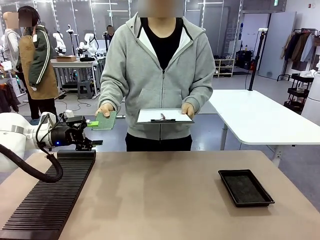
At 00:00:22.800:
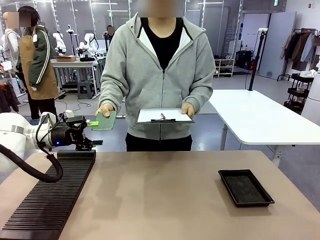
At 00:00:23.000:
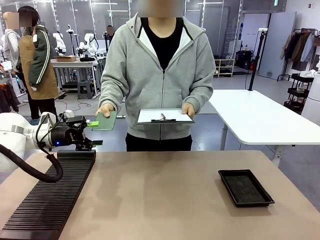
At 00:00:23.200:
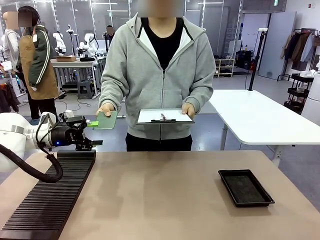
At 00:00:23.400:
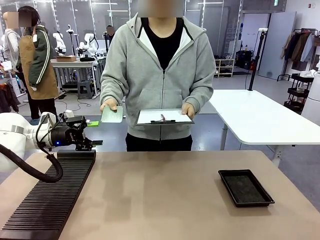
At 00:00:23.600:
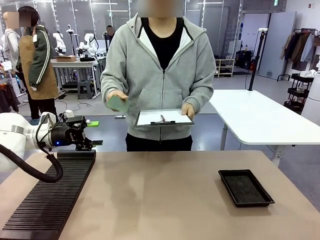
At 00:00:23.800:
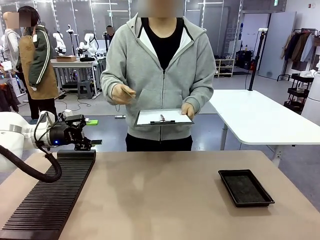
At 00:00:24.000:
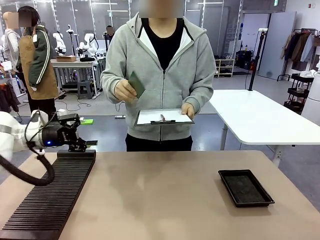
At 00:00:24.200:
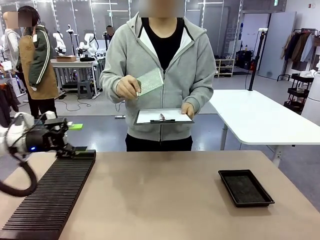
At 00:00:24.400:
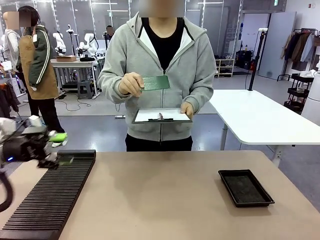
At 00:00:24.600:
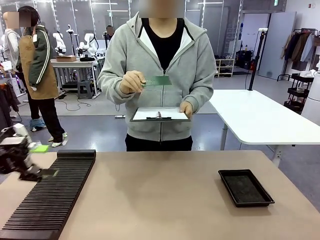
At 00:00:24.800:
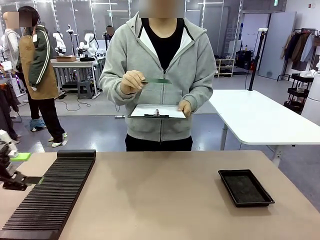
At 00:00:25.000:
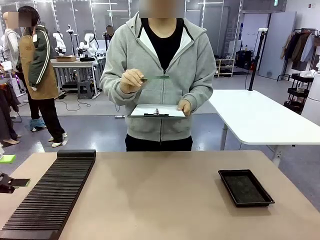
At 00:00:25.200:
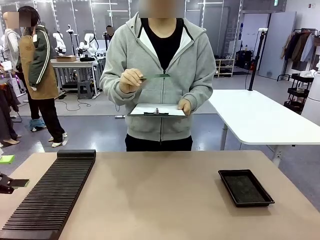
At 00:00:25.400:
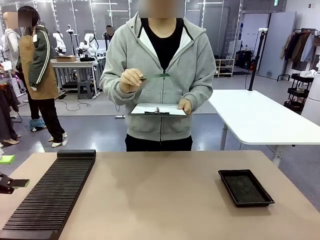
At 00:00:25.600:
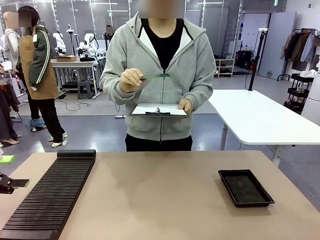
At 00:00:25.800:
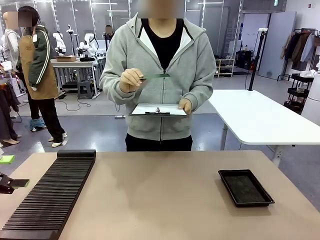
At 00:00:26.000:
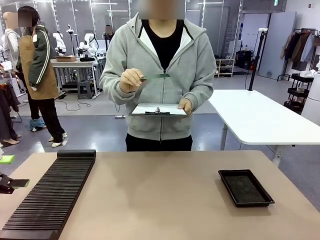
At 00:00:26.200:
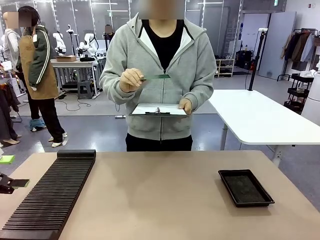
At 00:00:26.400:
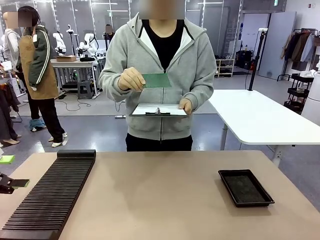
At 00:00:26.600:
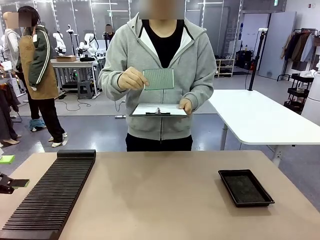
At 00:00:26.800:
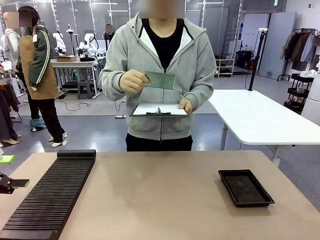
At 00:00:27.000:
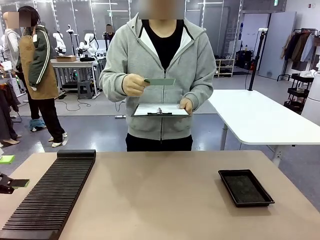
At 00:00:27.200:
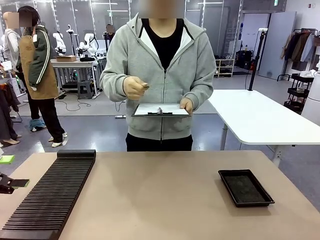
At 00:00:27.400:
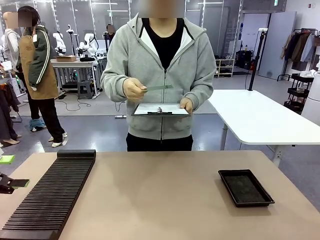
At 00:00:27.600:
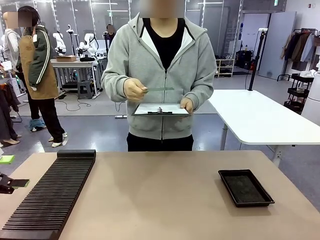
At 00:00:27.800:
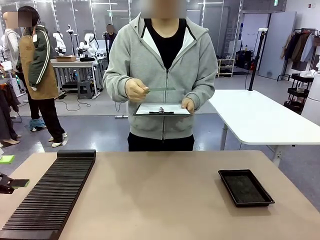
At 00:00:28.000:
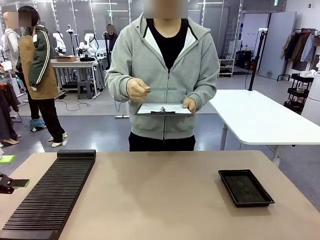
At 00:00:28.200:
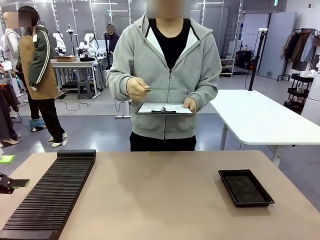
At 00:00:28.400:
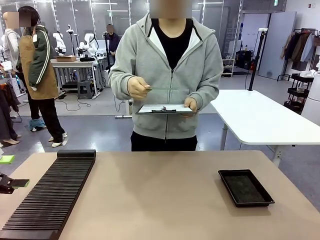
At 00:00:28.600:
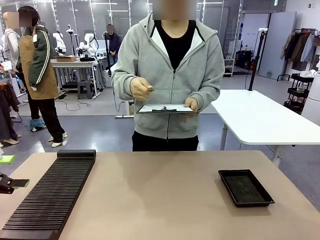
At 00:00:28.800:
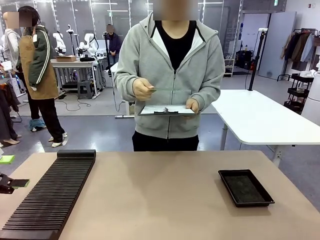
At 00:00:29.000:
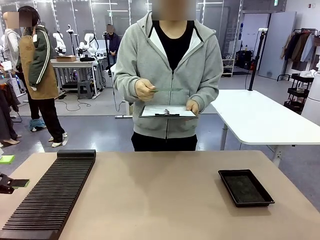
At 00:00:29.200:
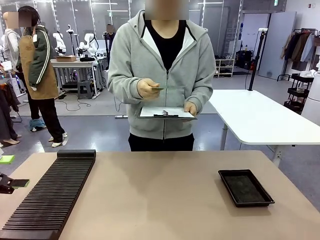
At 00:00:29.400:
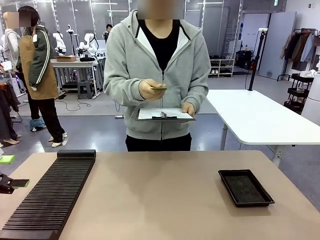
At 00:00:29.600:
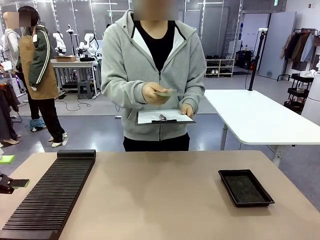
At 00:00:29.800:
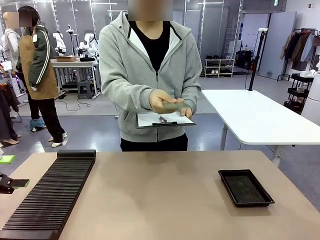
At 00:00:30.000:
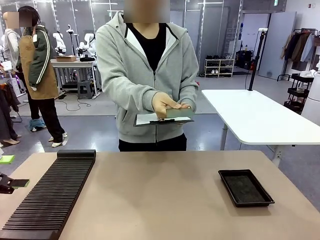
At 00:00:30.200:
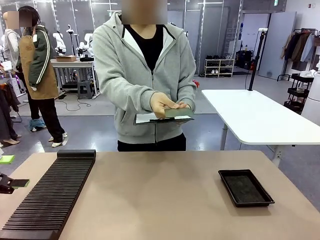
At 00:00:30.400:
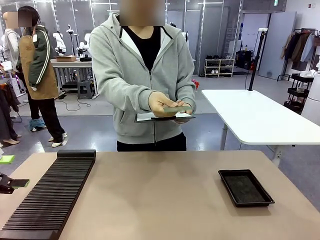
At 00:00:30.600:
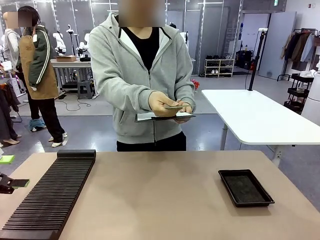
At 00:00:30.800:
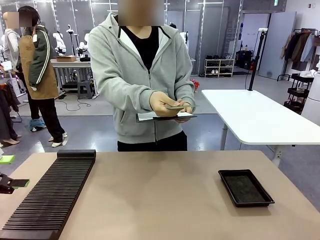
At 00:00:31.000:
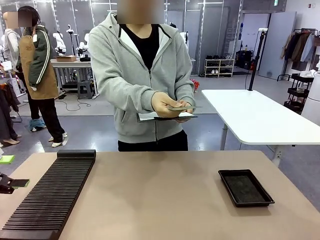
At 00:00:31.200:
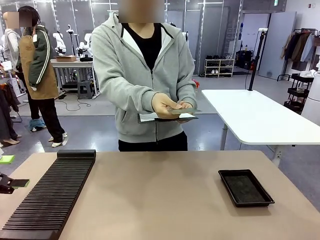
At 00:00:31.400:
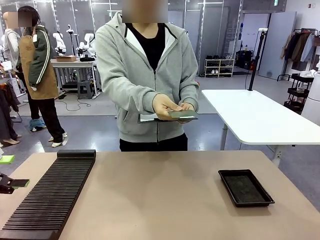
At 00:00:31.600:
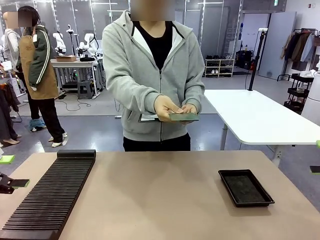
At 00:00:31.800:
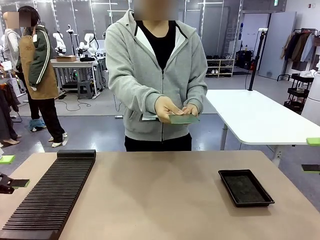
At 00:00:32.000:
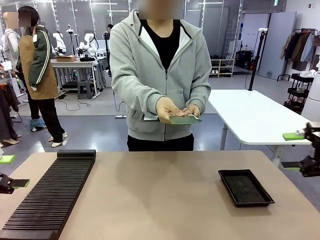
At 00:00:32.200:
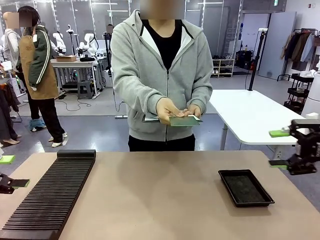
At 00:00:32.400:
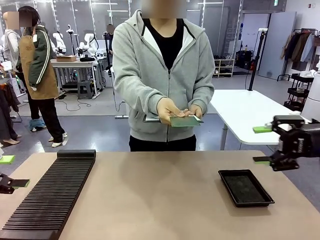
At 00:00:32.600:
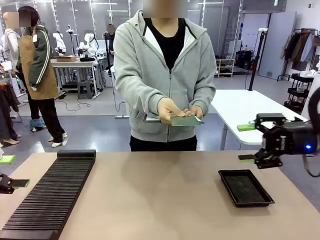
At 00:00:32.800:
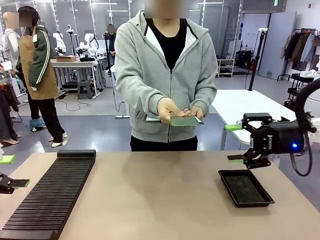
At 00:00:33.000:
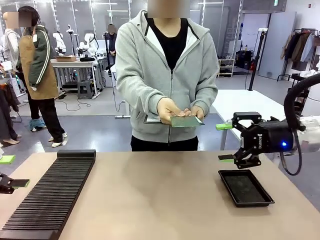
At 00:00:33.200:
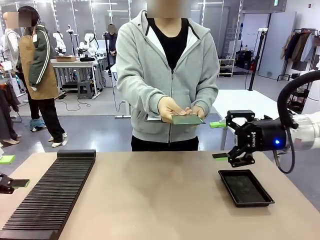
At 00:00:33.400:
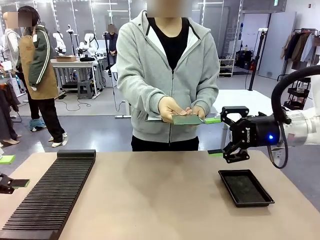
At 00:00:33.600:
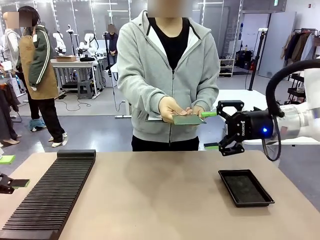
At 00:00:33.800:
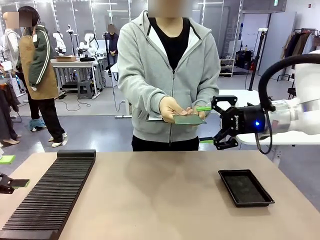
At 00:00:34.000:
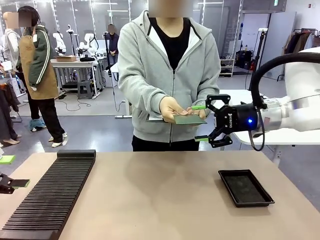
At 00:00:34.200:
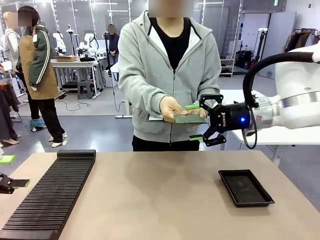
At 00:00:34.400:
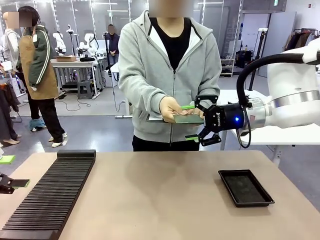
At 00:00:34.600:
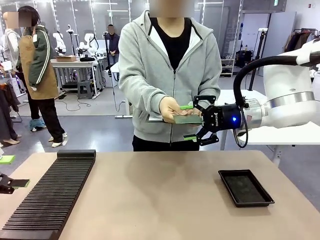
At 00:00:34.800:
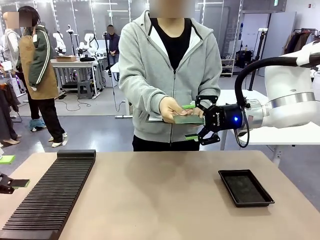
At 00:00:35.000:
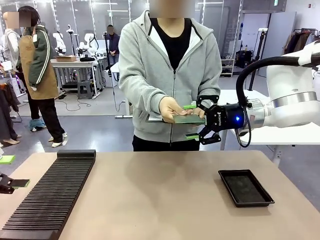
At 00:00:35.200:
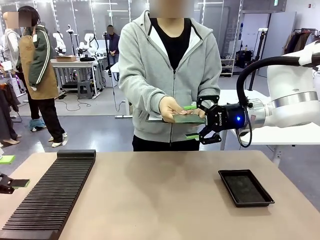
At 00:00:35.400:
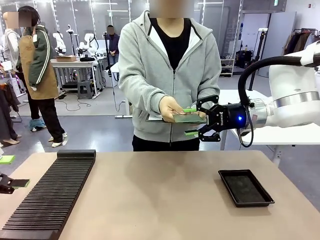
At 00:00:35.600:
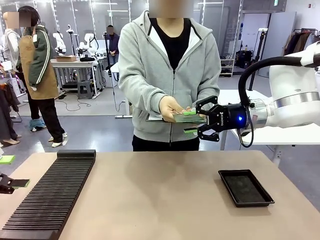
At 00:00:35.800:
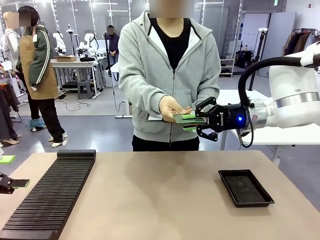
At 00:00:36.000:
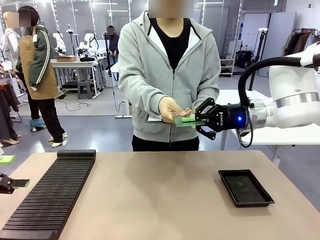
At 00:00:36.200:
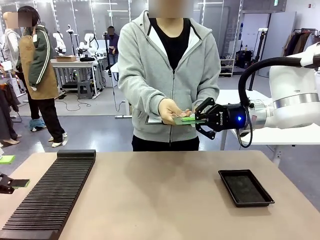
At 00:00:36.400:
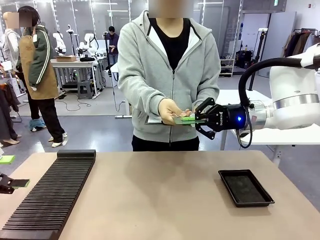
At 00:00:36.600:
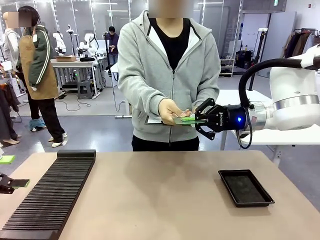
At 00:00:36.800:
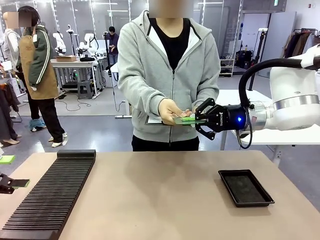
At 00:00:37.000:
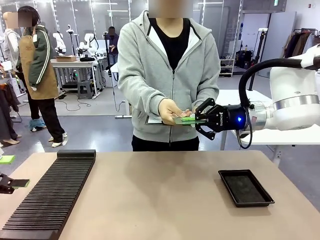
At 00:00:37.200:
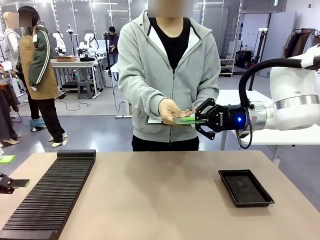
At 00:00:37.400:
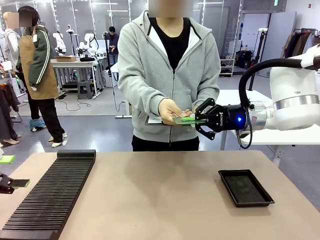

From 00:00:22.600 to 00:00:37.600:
Task: Inspect the PCB.
Robot: Pick up the Blank PCB that the human is holding.
Person: Inspect the PCB placed by the robot, then hold it out in front of the robot. Release the PCB you were holding.
